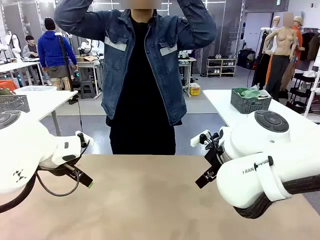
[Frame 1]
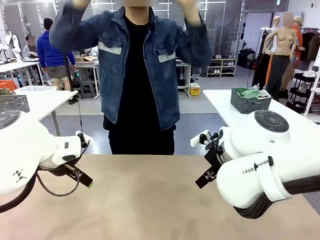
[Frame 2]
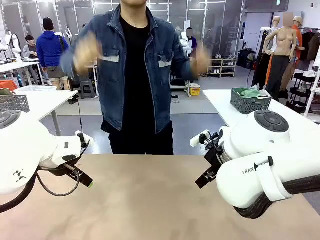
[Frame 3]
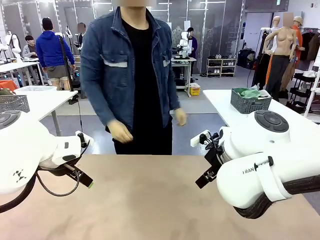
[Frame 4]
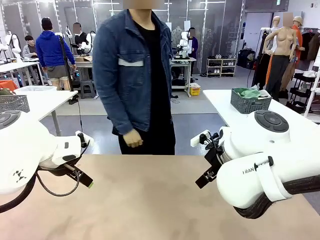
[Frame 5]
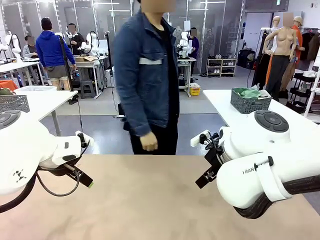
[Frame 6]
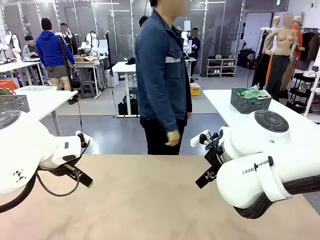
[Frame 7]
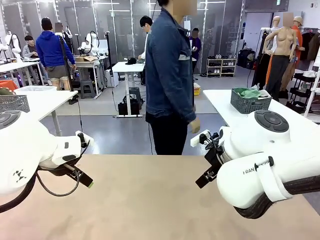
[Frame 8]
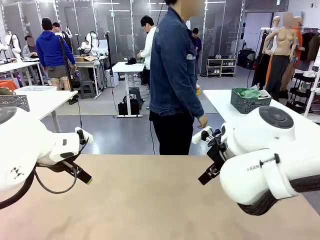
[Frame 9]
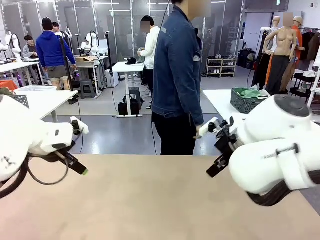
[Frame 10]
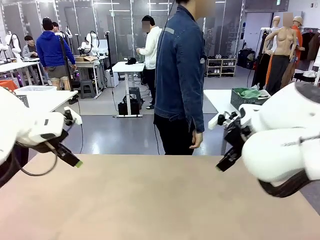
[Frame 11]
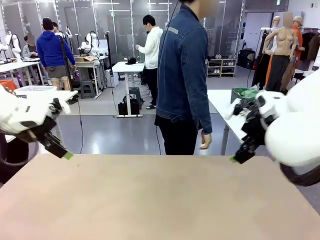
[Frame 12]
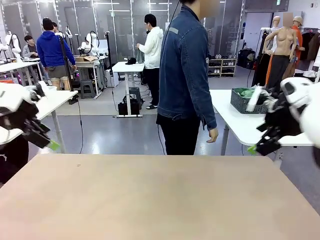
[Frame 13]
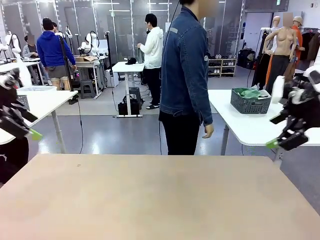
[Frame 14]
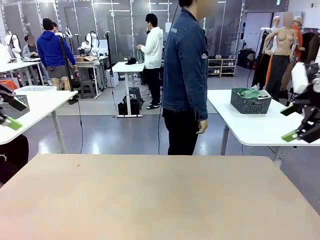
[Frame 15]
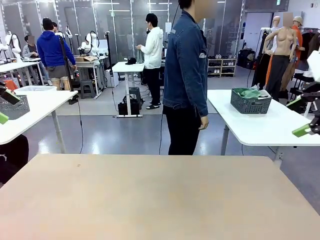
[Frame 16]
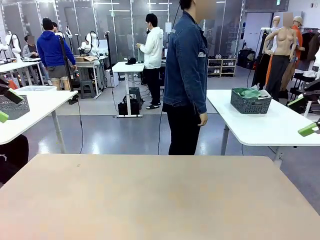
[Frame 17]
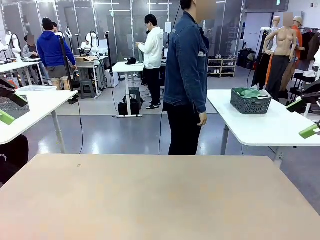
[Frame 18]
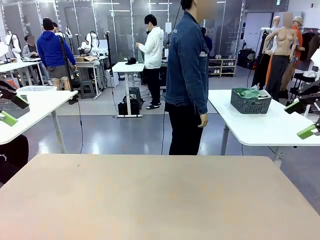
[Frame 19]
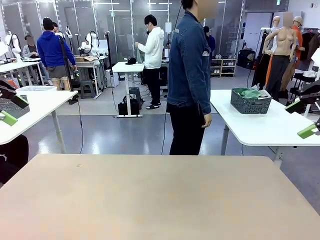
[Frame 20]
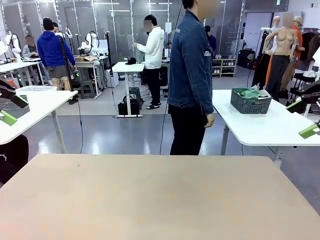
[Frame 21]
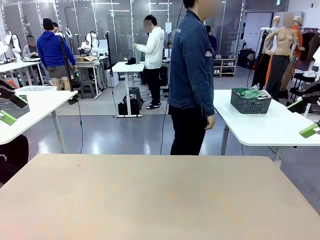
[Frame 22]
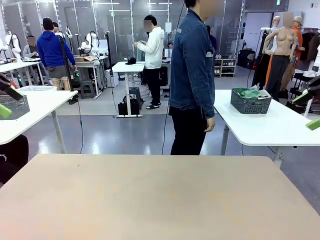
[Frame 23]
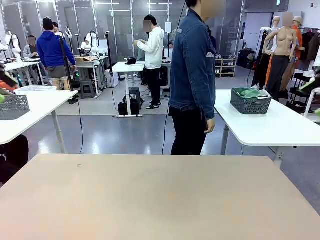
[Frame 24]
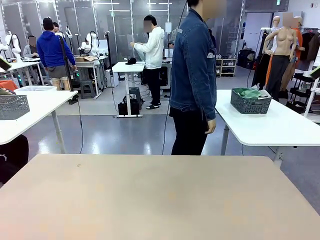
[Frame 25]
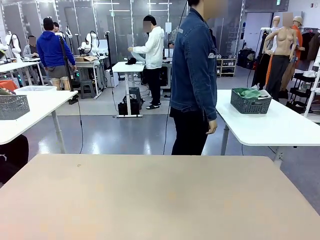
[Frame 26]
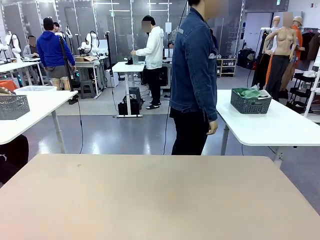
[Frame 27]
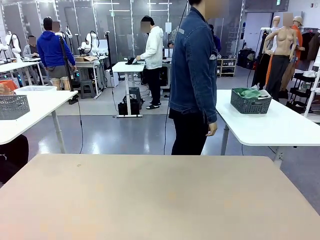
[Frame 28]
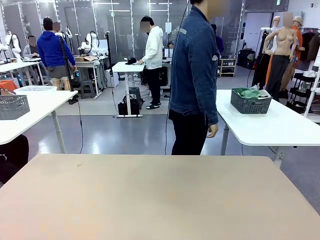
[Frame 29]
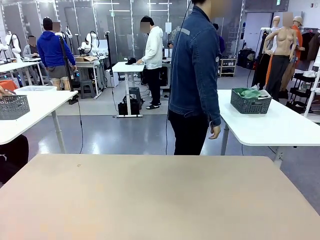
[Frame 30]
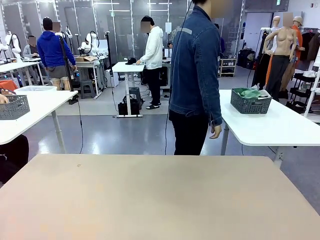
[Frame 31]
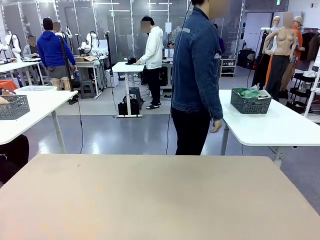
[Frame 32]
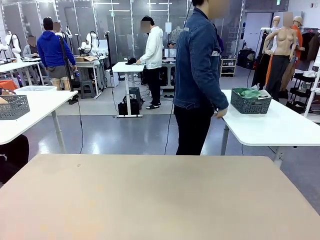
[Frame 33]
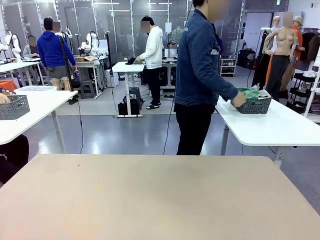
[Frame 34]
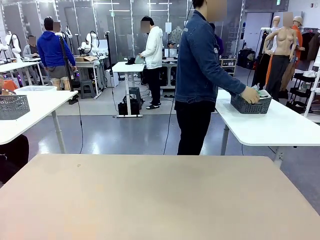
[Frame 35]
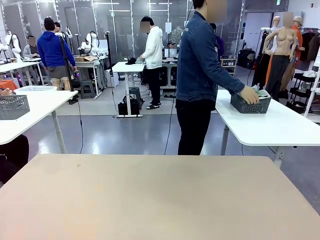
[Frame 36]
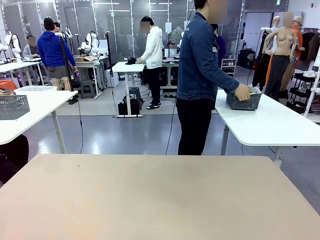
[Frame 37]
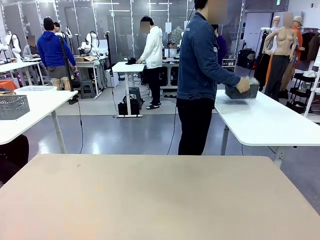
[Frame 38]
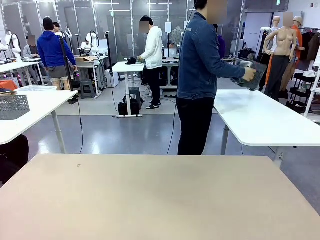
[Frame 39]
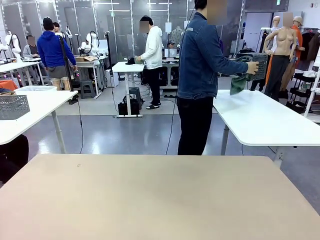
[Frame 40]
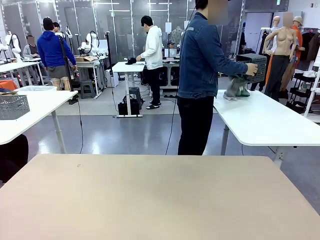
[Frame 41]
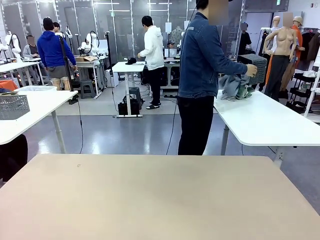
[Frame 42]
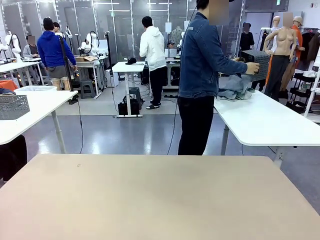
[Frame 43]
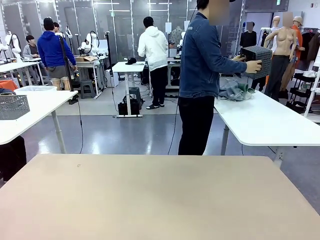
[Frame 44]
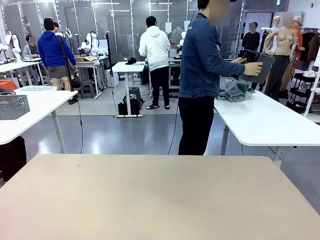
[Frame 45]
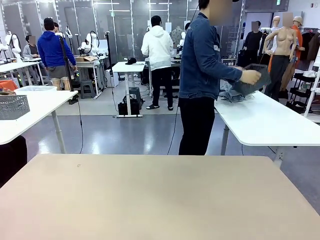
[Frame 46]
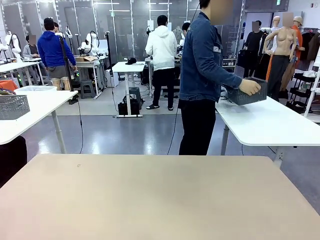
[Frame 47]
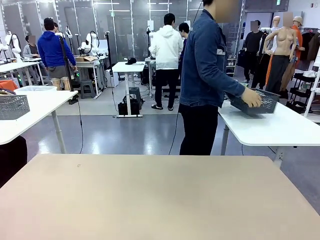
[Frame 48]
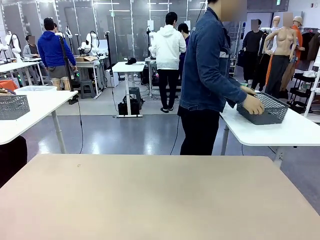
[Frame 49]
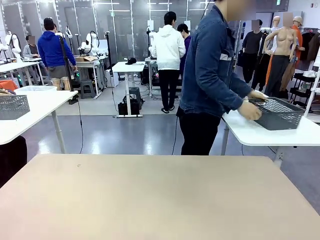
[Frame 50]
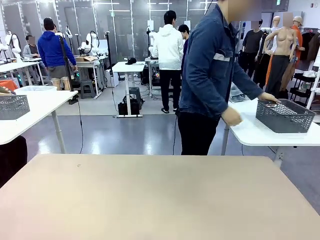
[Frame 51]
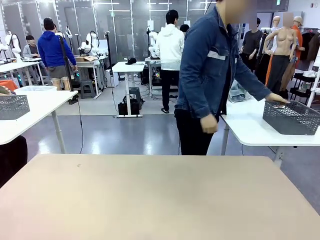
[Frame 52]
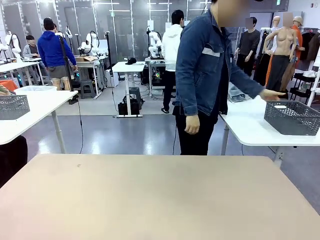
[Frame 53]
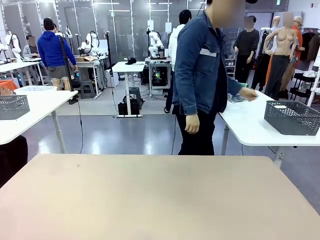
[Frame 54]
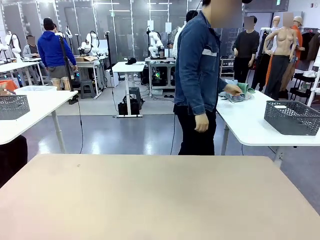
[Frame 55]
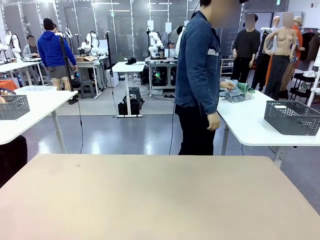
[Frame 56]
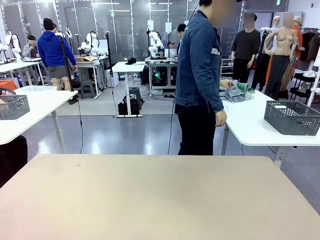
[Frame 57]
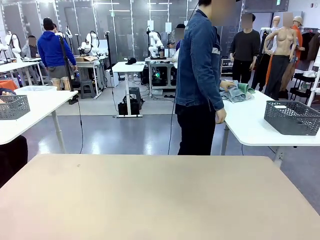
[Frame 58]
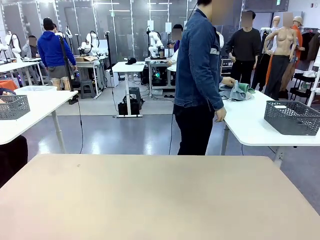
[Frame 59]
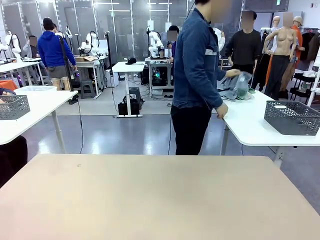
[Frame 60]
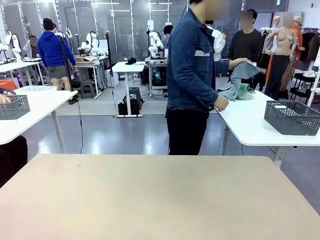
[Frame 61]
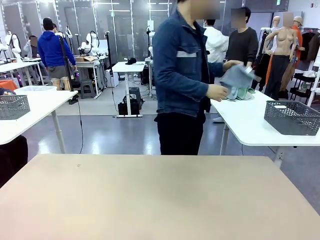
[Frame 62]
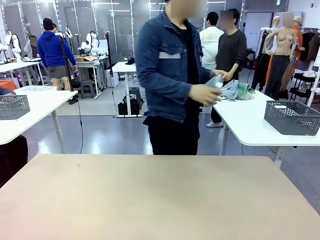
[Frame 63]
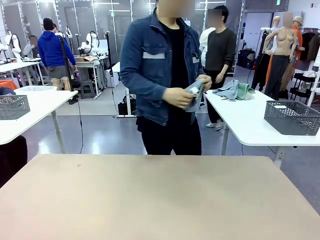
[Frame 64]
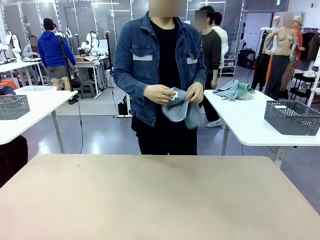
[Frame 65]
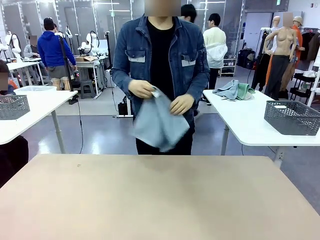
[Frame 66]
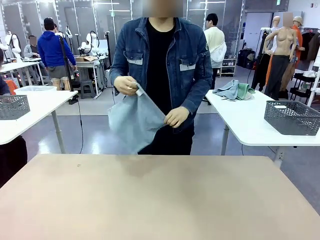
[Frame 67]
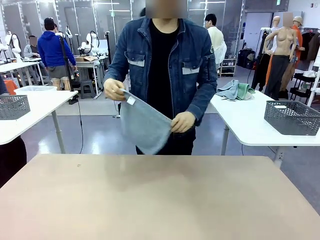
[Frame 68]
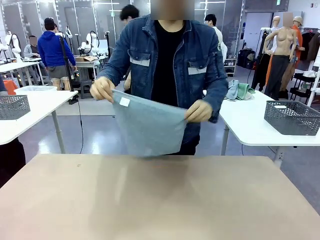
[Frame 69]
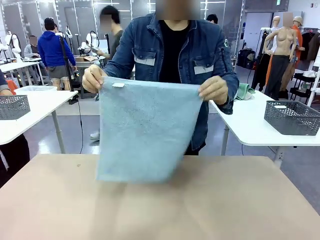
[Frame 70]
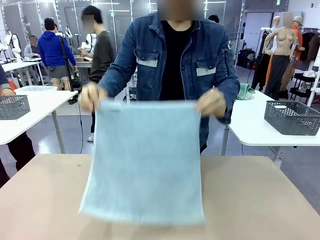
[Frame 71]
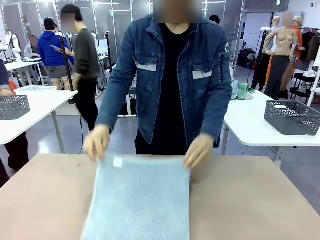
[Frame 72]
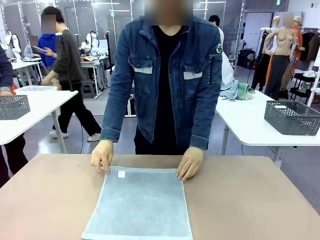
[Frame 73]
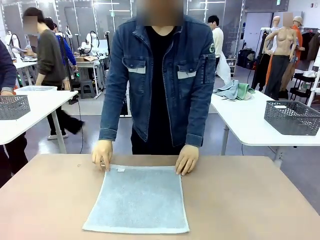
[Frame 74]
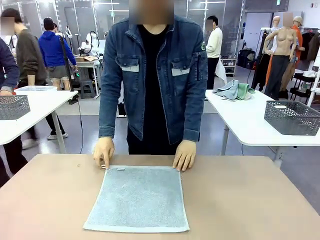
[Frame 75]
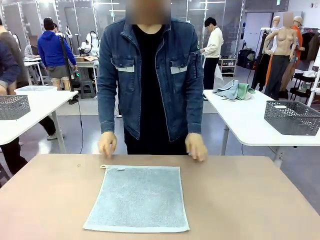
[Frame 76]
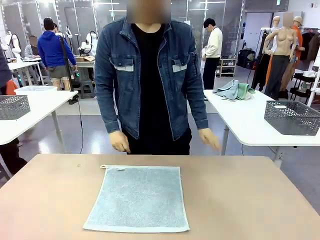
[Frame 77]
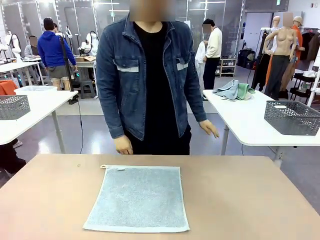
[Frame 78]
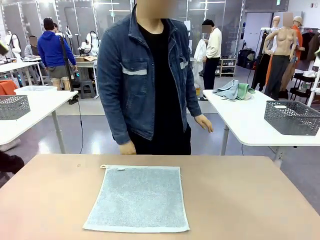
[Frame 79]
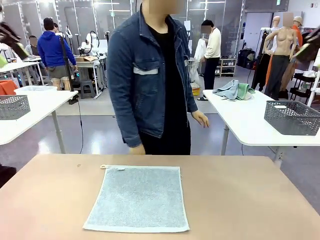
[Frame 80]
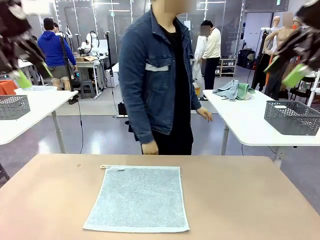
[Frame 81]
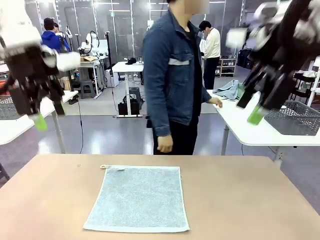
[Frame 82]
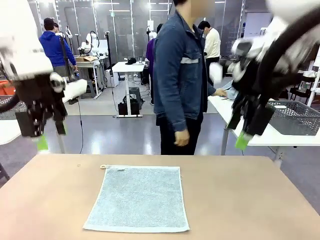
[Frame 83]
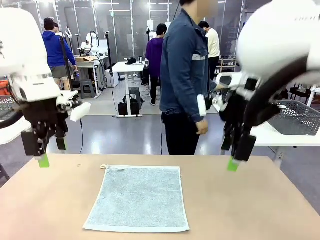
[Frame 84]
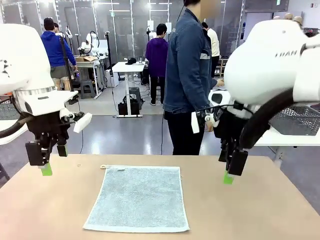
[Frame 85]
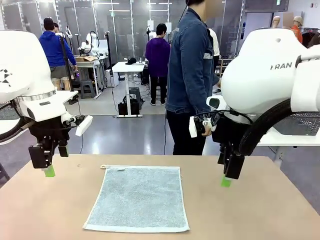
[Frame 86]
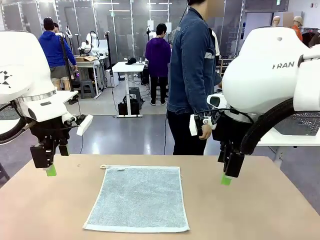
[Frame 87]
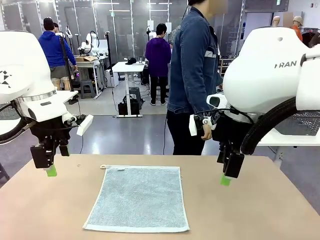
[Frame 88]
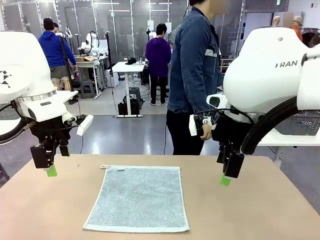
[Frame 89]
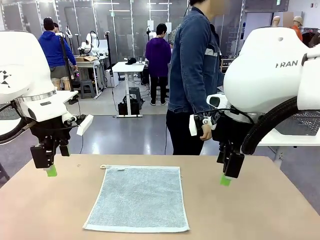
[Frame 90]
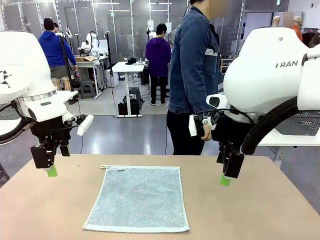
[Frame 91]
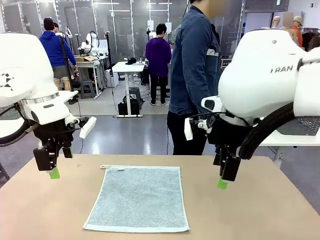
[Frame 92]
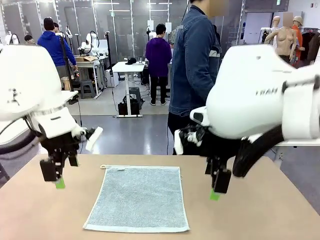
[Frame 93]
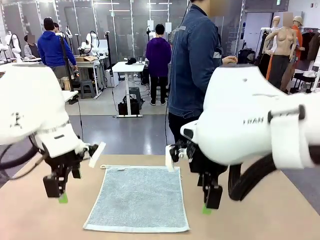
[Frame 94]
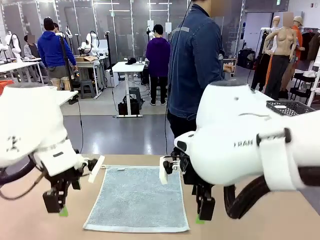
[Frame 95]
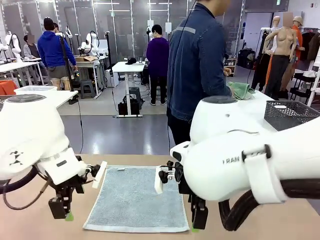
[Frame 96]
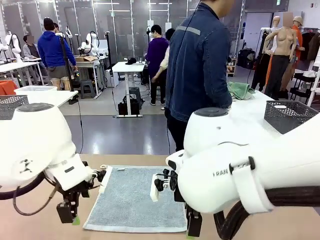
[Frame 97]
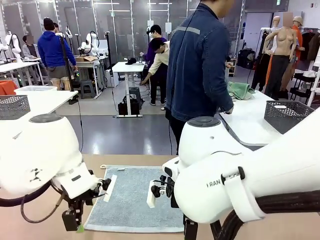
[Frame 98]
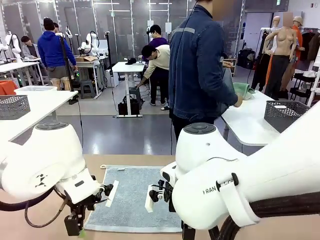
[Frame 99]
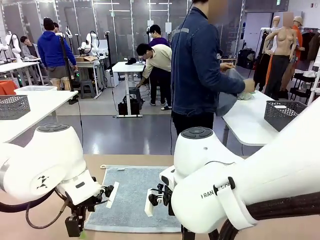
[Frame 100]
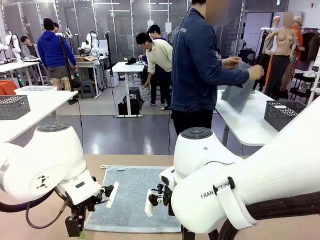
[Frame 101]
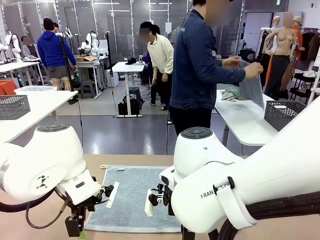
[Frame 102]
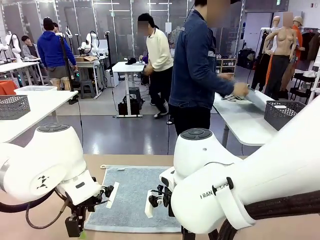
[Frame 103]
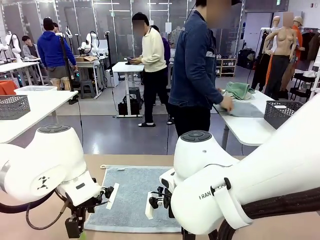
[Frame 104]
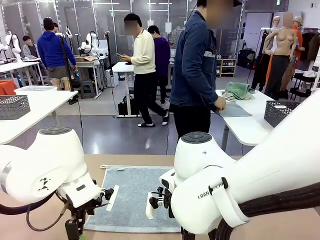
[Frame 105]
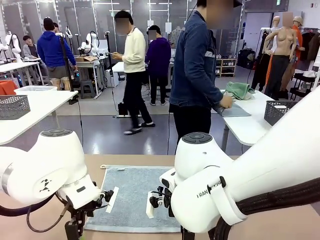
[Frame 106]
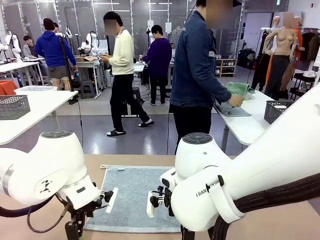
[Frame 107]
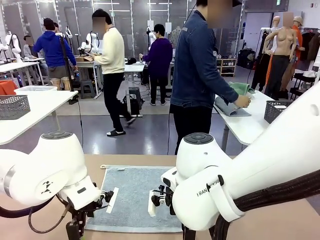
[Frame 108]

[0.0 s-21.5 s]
Task: Fold the towels and place them in the basket.
Robot: When a person lays out a Towel with hook on the table, fold it in half twice.
Person: Pick up the basket, pour the towels onto the left side of the human table, and place the basket on the right side. Pick up one towel and spread it out at the center of the robot table.
